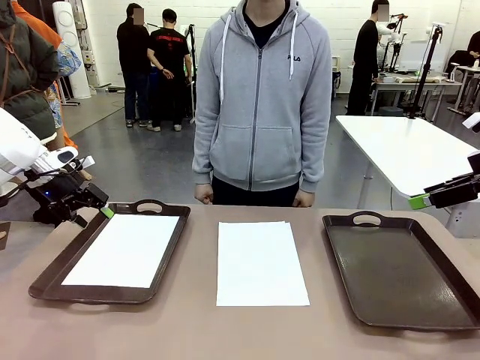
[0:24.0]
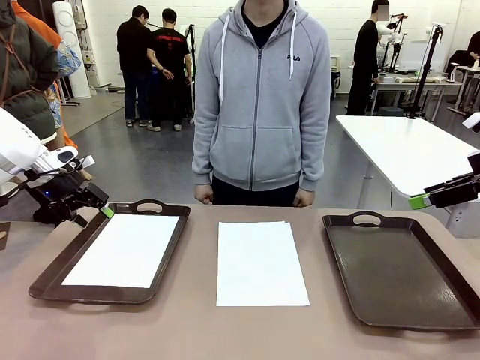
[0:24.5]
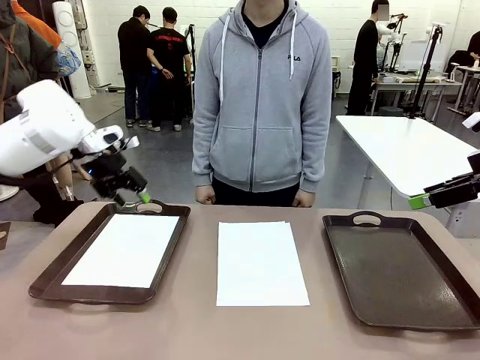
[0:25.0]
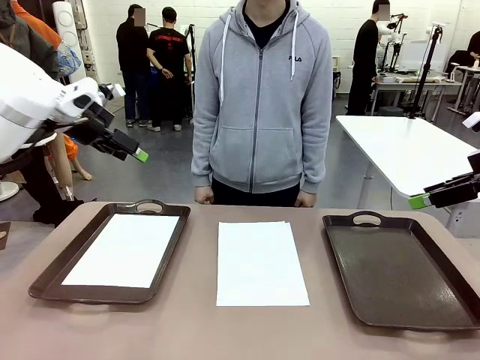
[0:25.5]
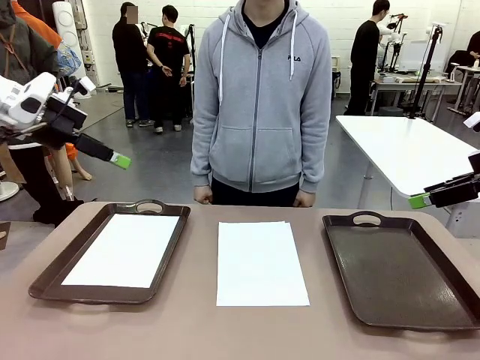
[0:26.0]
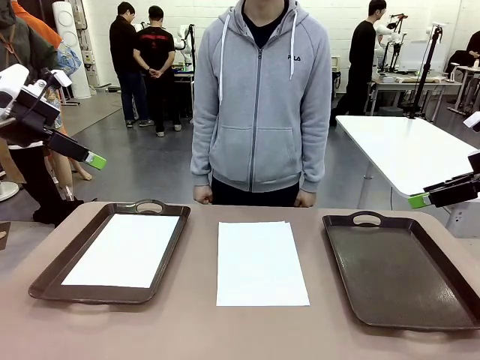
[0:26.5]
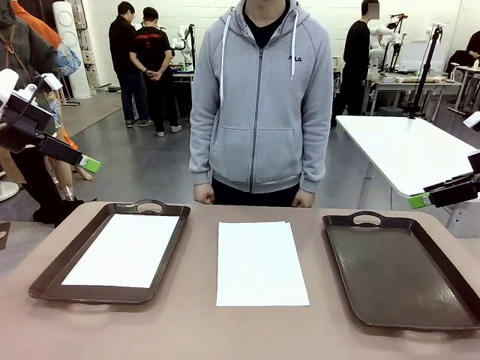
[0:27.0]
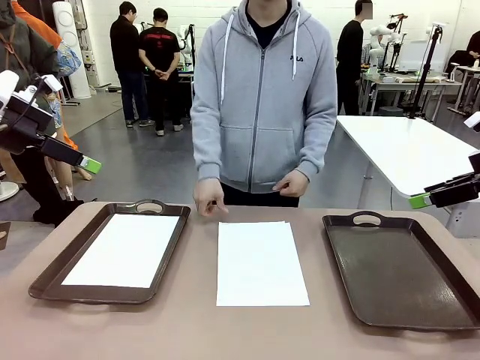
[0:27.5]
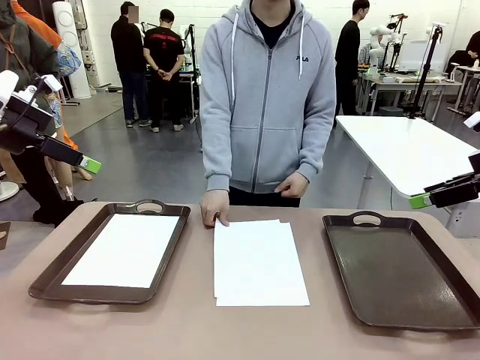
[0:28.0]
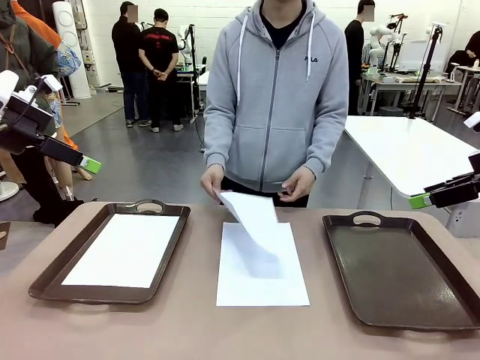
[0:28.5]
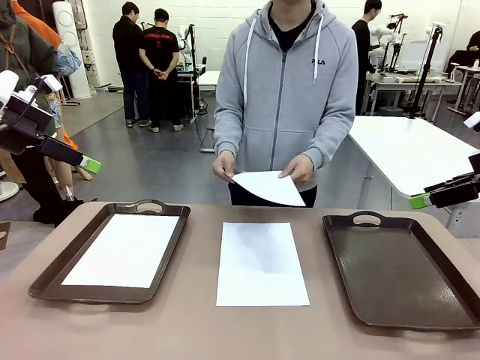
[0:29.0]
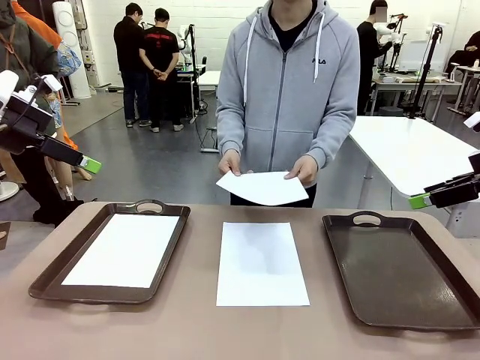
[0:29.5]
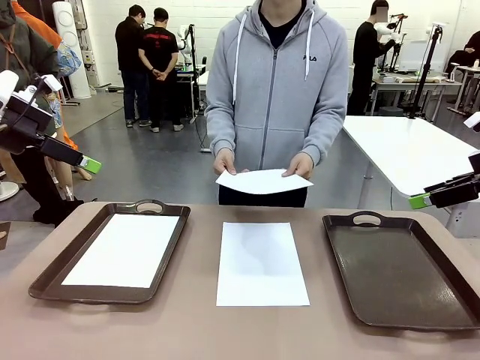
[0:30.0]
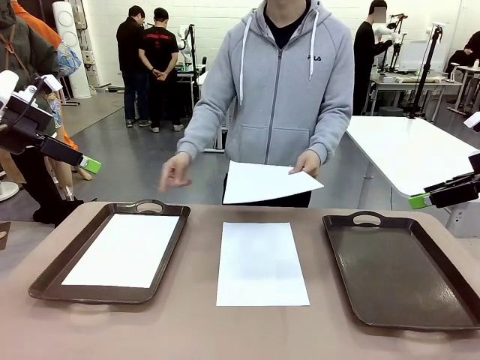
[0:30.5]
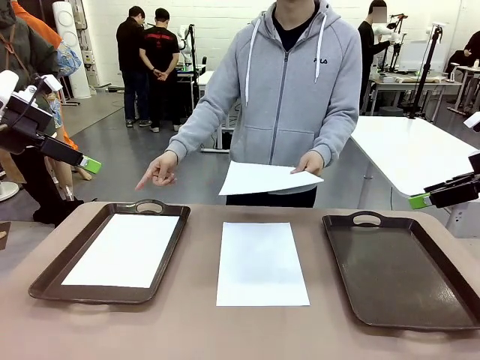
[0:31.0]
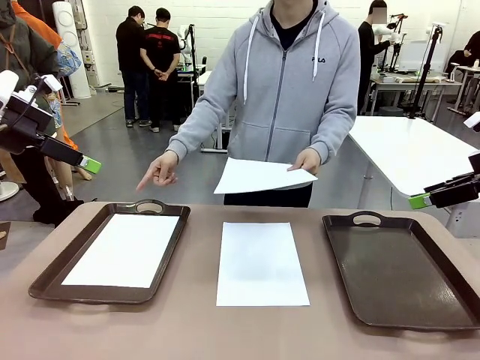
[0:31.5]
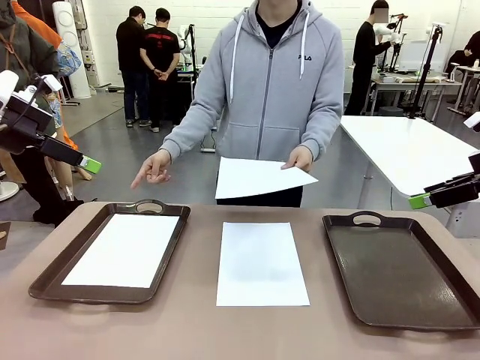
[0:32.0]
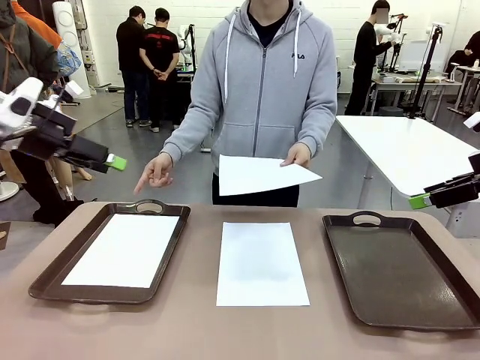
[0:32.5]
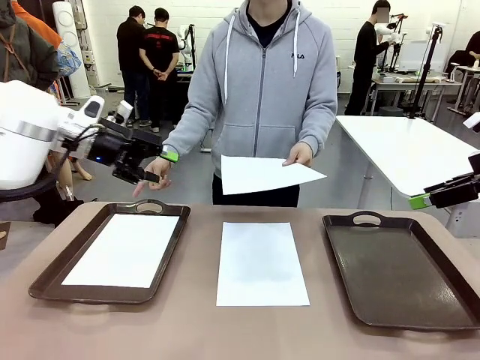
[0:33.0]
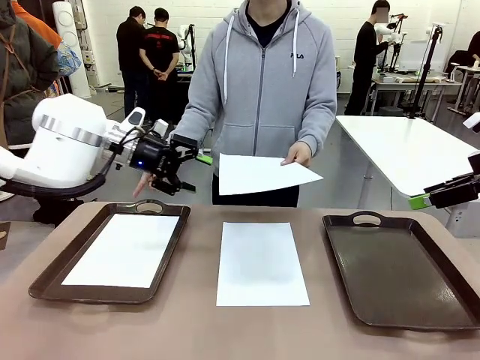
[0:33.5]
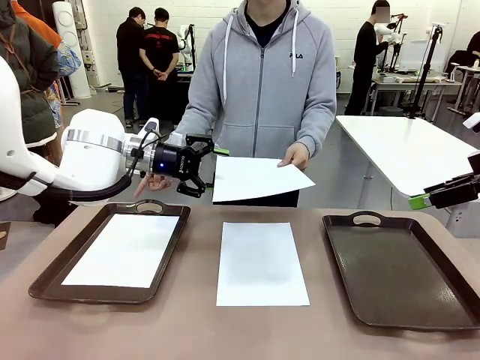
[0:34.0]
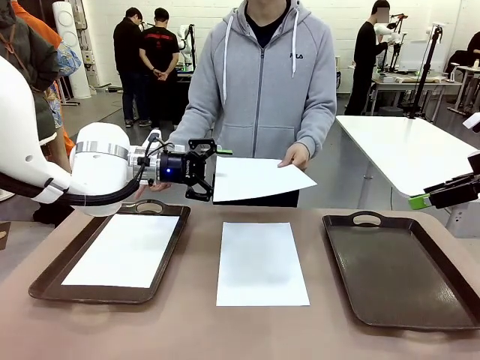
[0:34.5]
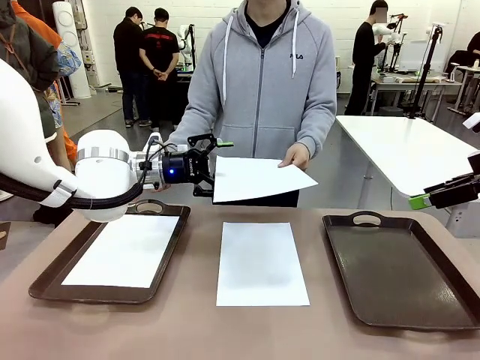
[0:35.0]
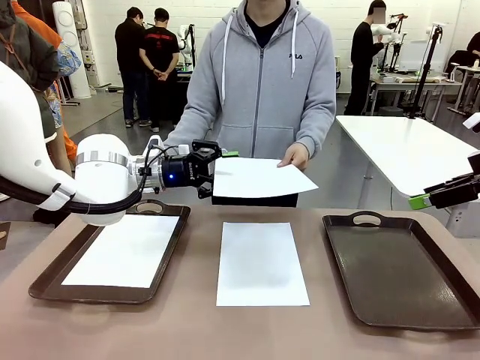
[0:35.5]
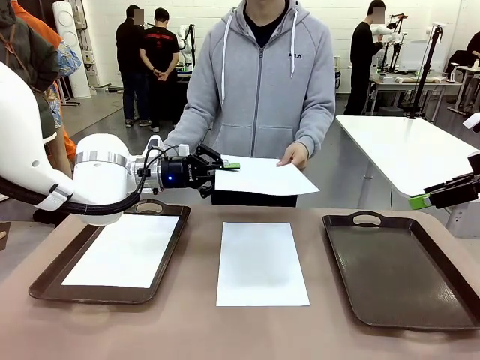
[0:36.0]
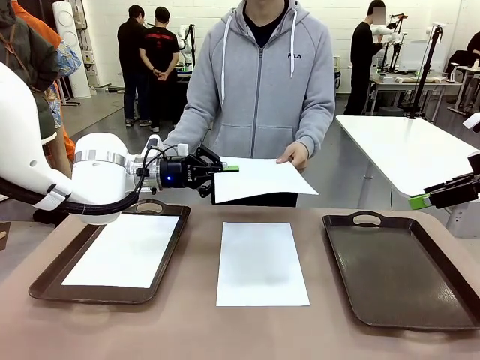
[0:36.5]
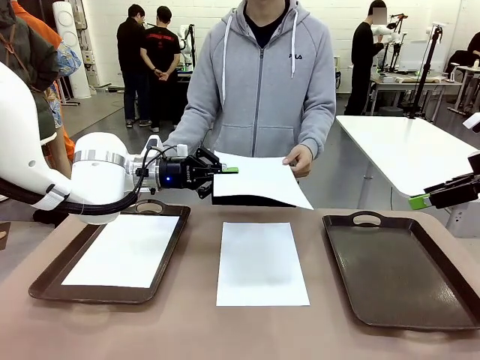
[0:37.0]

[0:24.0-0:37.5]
Task: Sort the A4 documents.
Robot: Receive the A4 Paper.
Person: Point the randomly selected tray with the other hand.

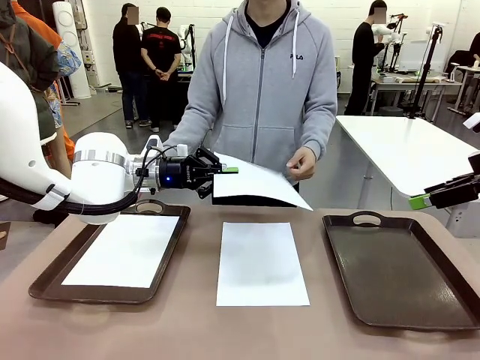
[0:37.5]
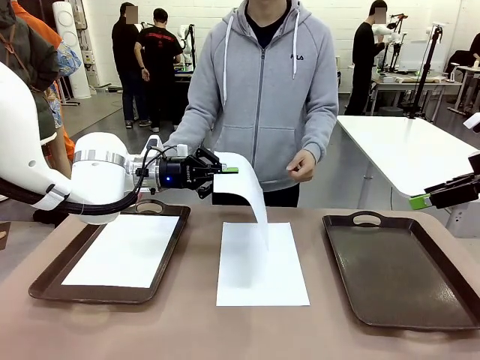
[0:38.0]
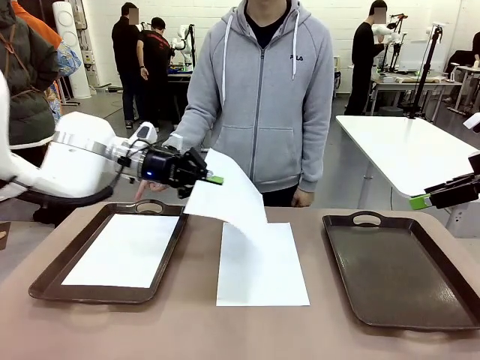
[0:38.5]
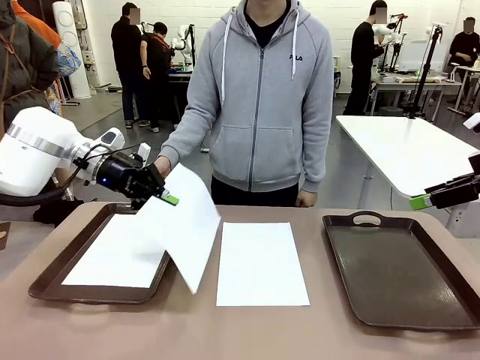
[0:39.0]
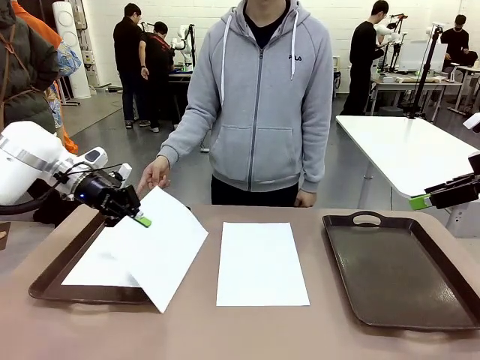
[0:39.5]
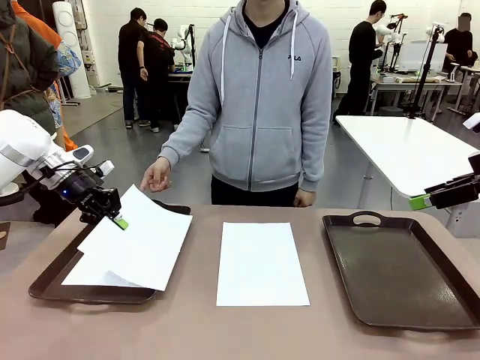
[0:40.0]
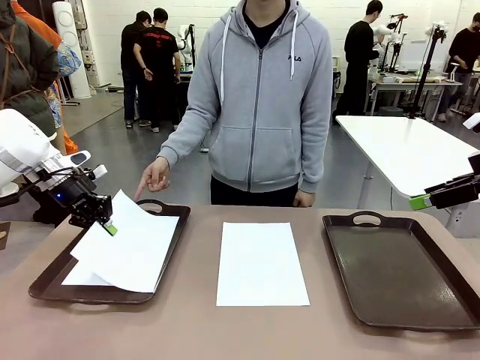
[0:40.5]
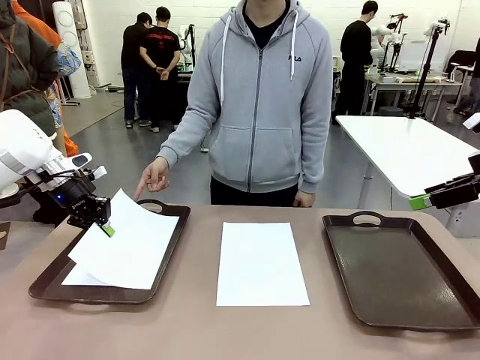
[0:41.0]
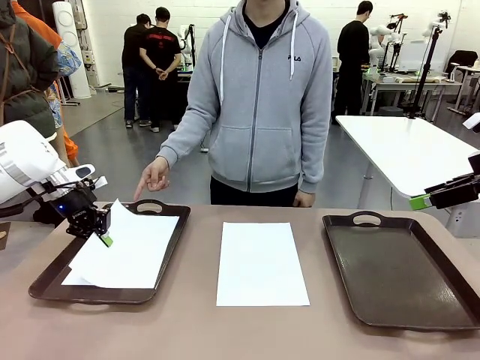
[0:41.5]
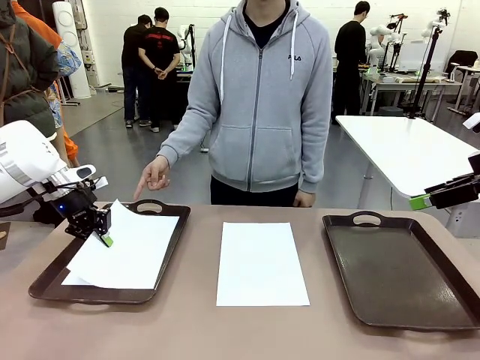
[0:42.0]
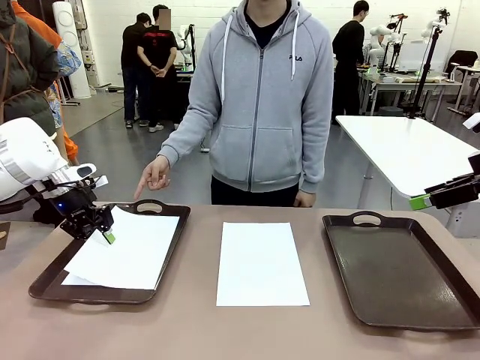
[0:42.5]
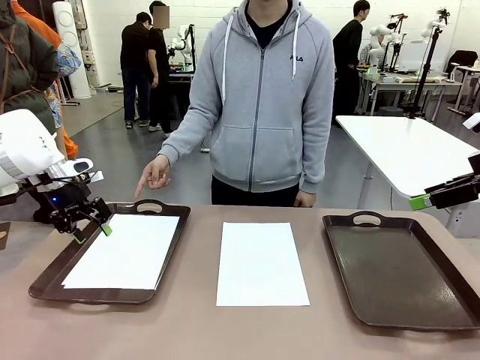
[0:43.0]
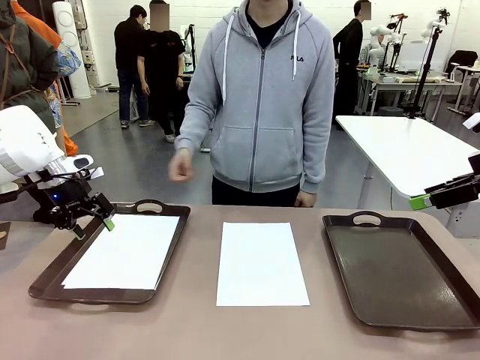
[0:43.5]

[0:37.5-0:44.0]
Robot: Place the A4 Paper in the designated Handle tray.

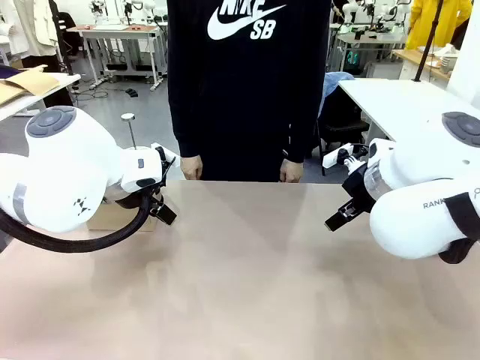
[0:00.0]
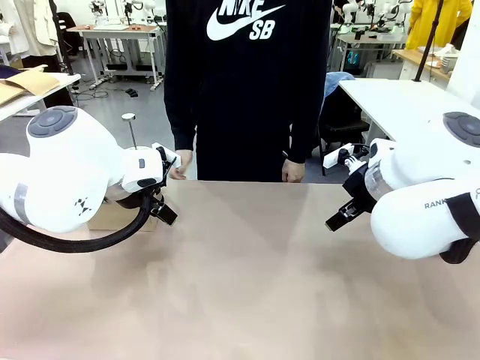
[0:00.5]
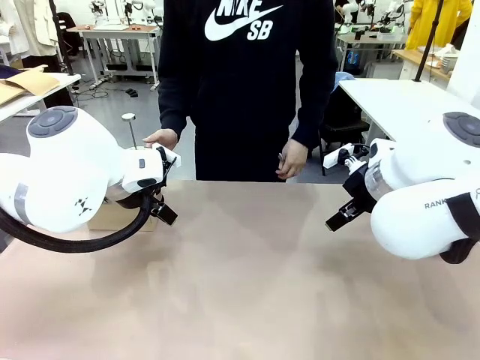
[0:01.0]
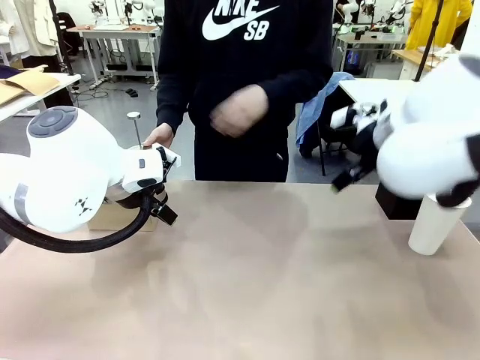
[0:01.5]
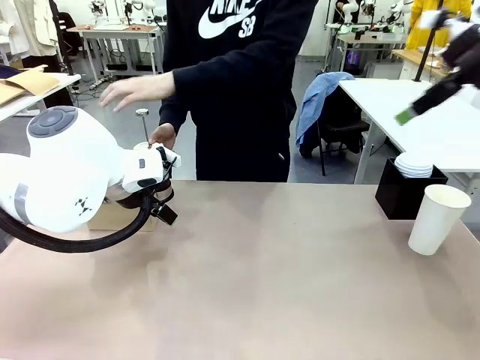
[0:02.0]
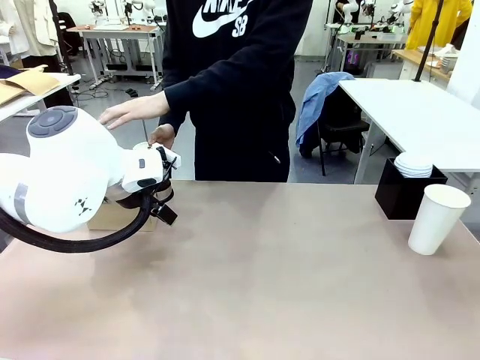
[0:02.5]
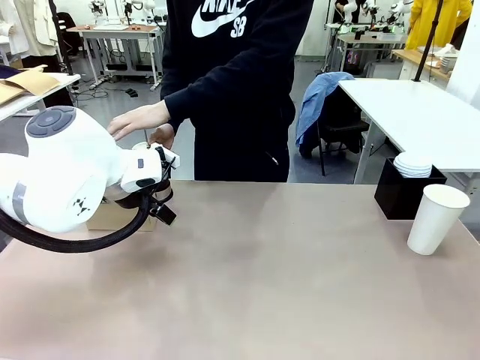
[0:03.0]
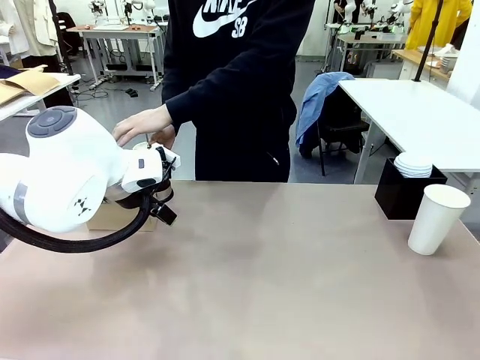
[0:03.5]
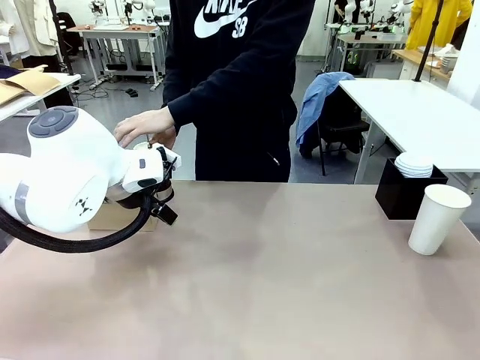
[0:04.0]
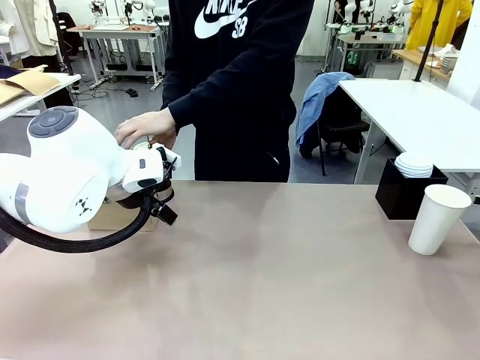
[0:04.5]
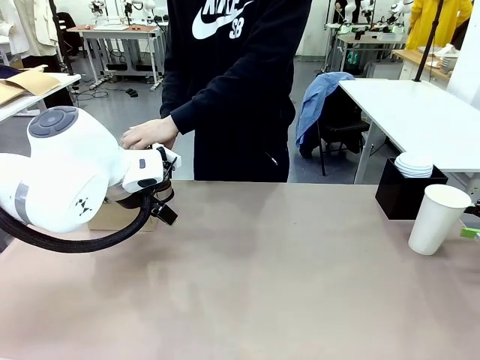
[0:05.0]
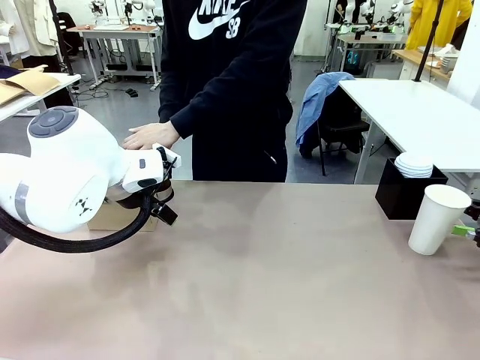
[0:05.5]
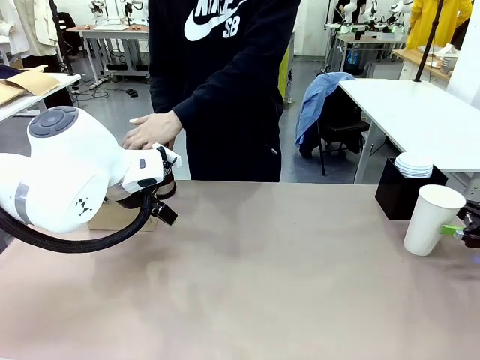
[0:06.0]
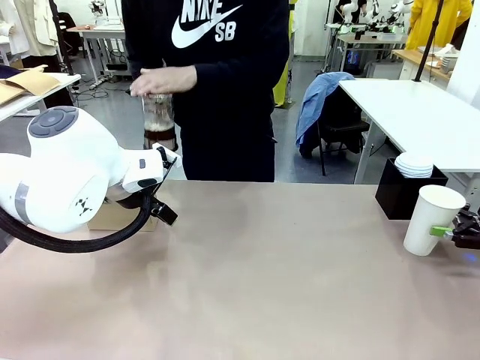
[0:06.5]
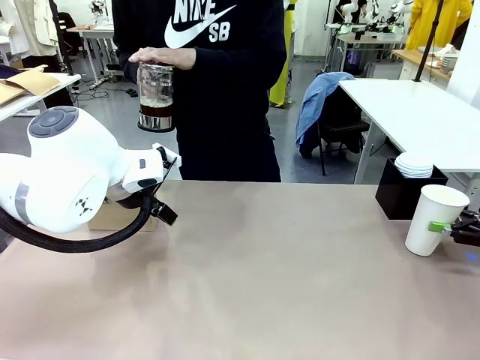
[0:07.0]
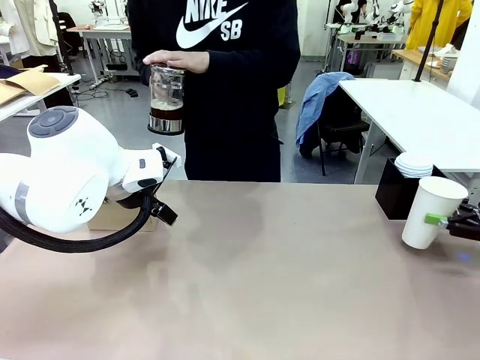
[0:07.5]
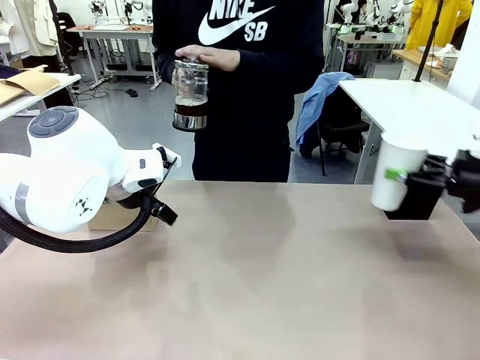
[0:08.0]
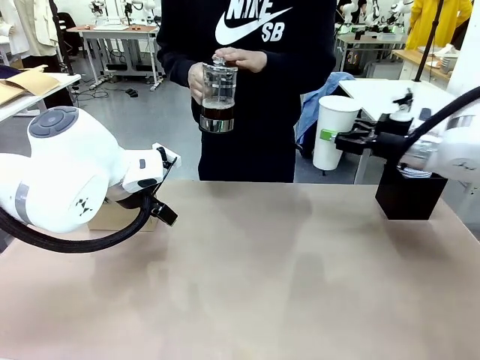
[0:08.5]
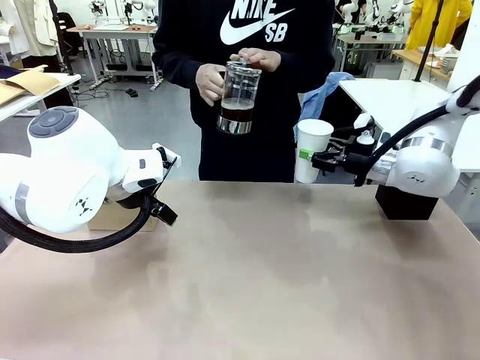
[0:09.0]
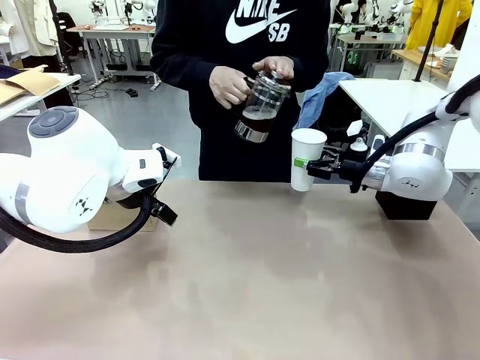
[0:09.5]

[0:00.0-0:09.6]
Task: Pour a drink into a cup and package it in a carrier.
Robot: Pick up the 600 ml Paper Cup and place it in the middle top area of the table.
Person: Press and pick up the Filter Brewing.
